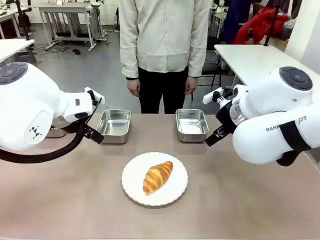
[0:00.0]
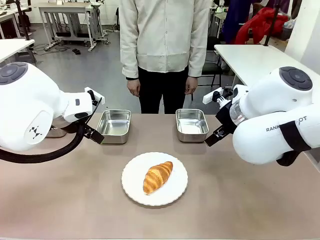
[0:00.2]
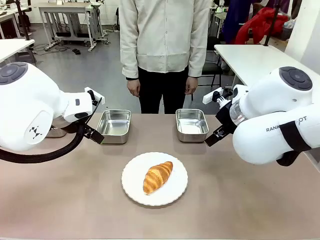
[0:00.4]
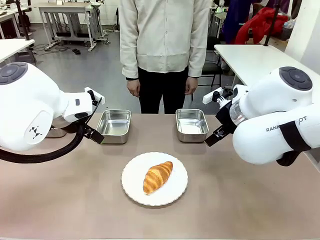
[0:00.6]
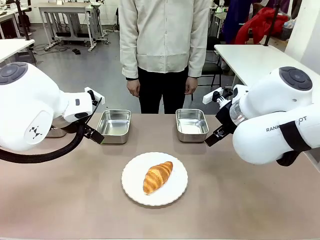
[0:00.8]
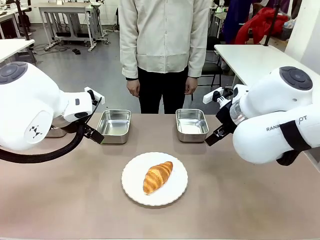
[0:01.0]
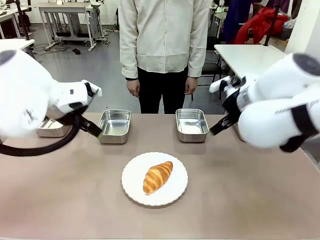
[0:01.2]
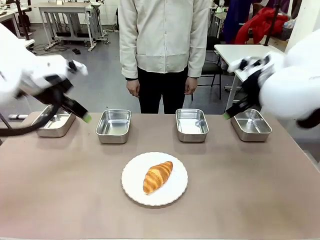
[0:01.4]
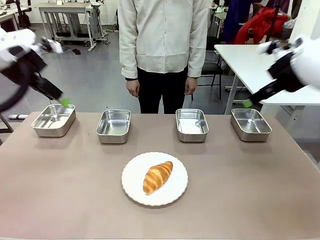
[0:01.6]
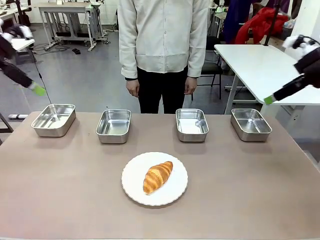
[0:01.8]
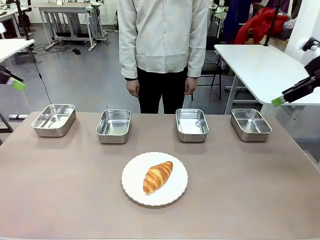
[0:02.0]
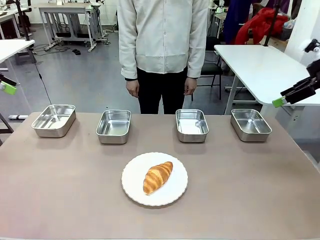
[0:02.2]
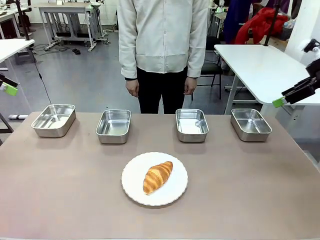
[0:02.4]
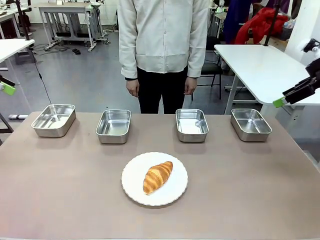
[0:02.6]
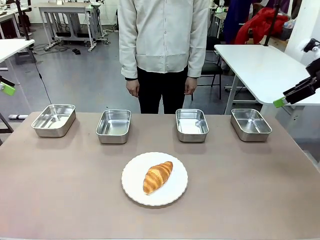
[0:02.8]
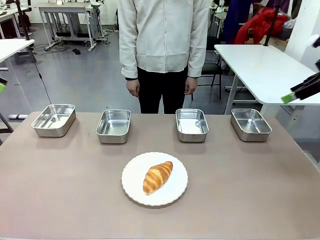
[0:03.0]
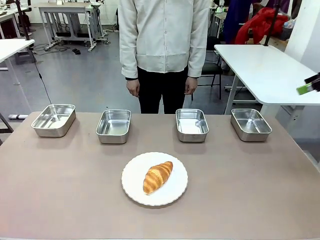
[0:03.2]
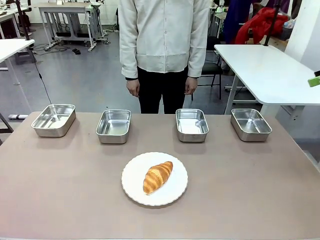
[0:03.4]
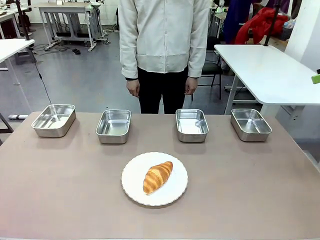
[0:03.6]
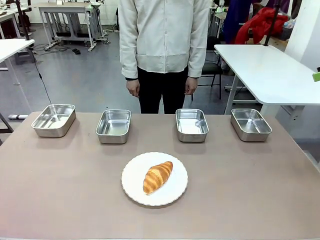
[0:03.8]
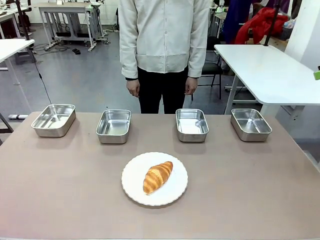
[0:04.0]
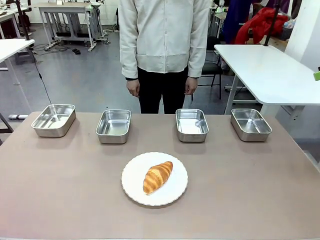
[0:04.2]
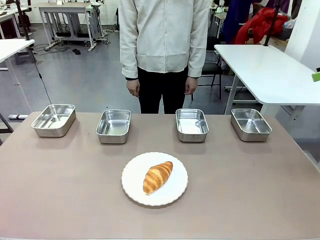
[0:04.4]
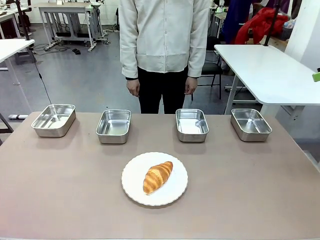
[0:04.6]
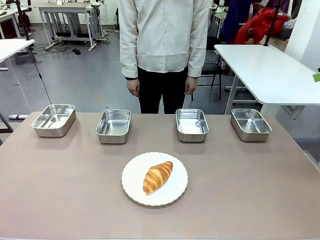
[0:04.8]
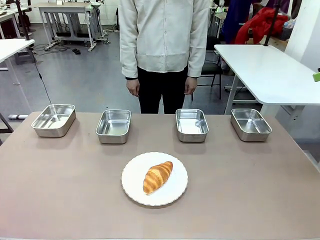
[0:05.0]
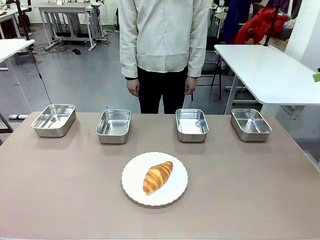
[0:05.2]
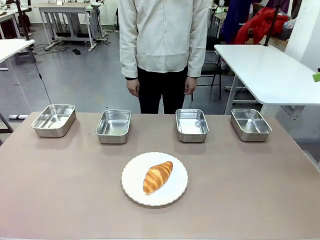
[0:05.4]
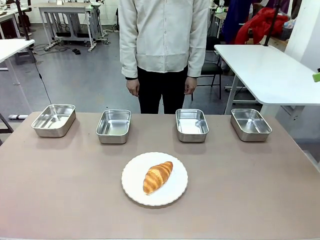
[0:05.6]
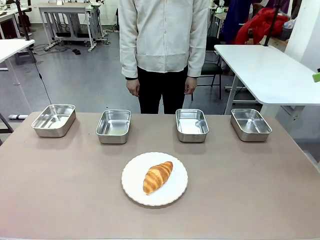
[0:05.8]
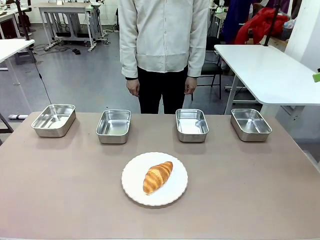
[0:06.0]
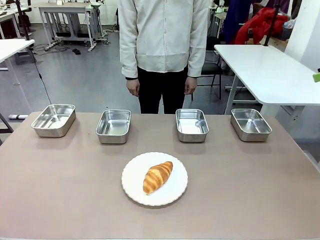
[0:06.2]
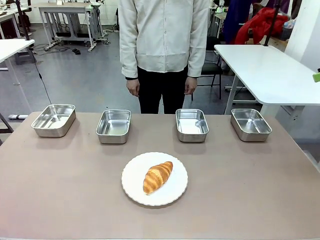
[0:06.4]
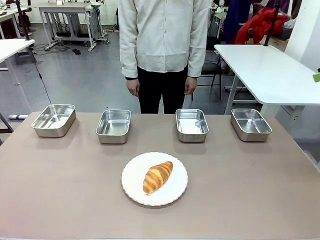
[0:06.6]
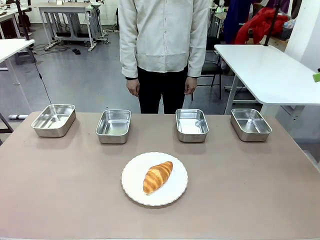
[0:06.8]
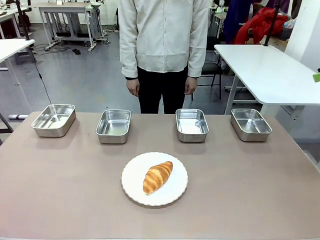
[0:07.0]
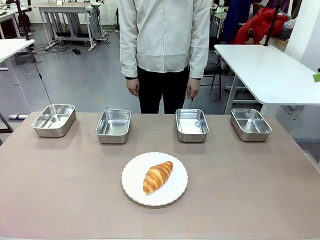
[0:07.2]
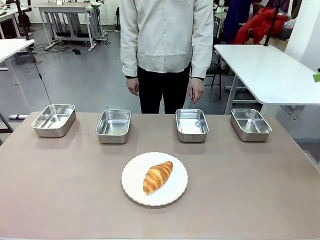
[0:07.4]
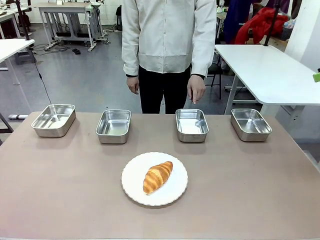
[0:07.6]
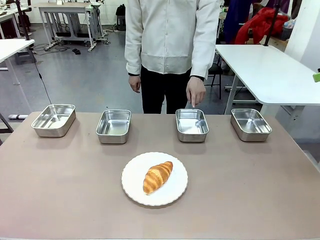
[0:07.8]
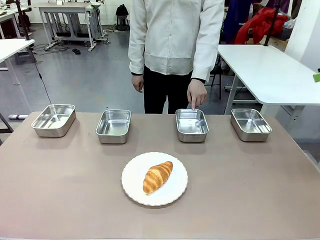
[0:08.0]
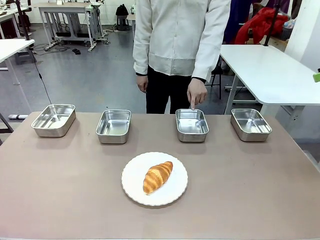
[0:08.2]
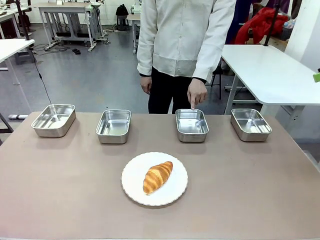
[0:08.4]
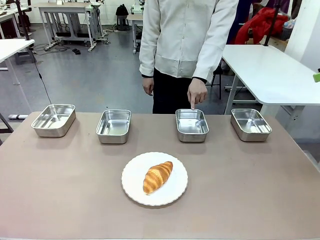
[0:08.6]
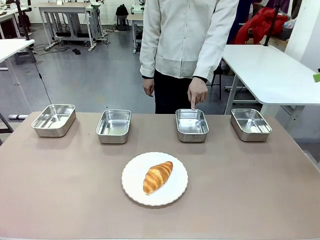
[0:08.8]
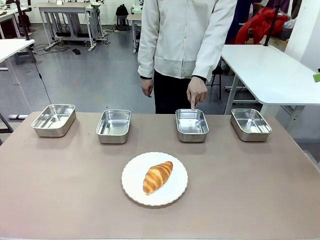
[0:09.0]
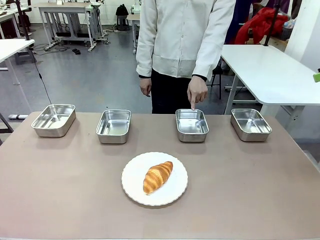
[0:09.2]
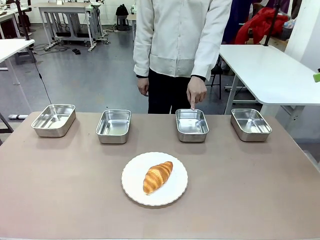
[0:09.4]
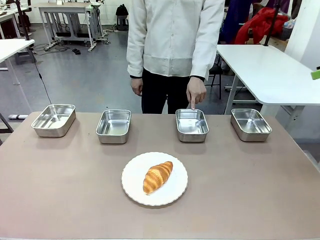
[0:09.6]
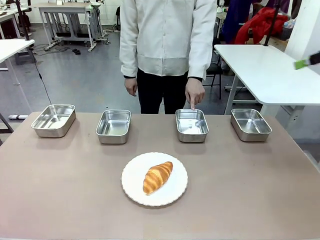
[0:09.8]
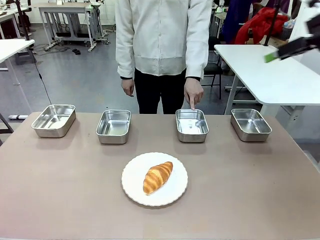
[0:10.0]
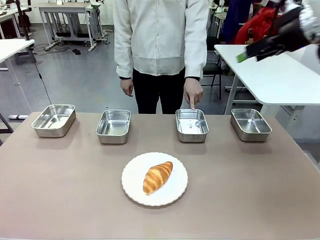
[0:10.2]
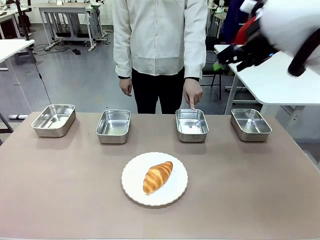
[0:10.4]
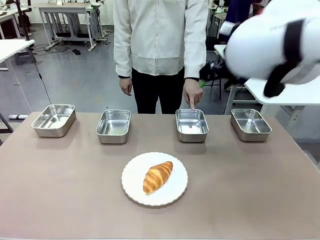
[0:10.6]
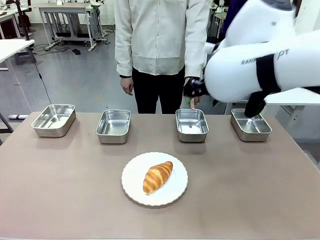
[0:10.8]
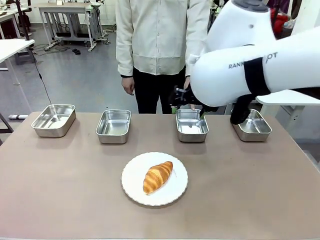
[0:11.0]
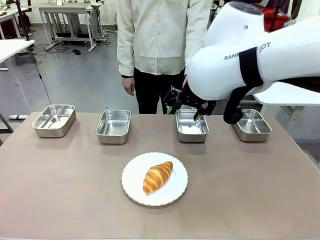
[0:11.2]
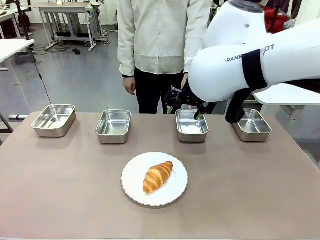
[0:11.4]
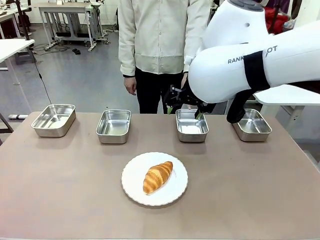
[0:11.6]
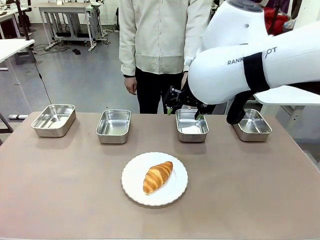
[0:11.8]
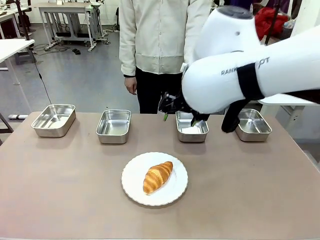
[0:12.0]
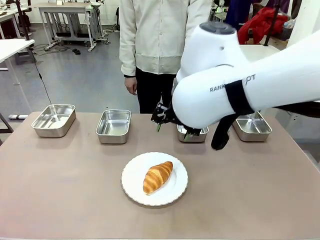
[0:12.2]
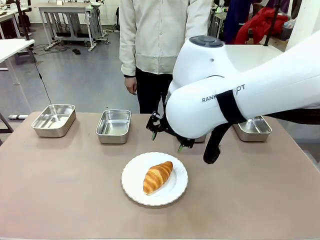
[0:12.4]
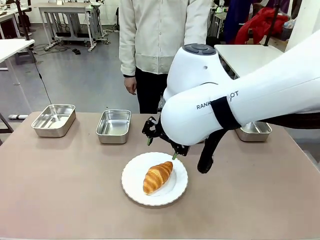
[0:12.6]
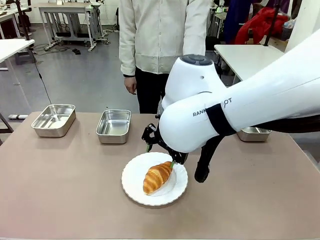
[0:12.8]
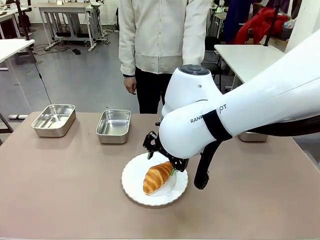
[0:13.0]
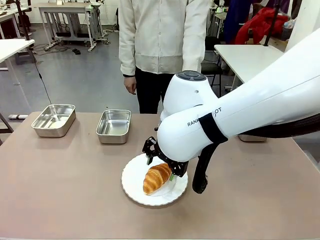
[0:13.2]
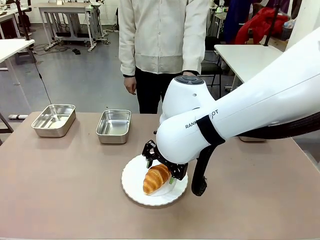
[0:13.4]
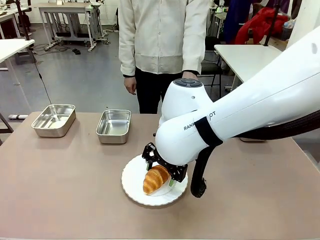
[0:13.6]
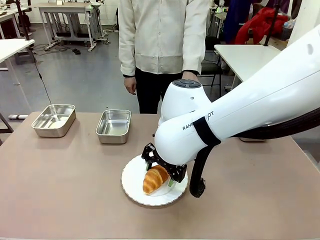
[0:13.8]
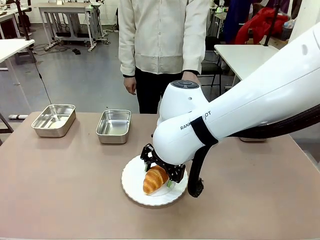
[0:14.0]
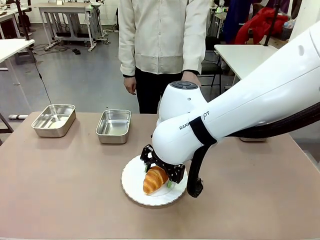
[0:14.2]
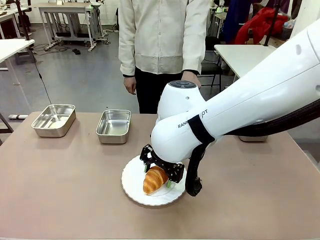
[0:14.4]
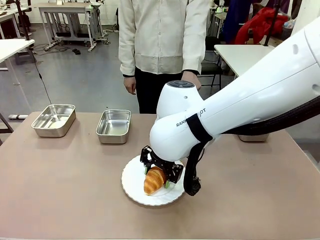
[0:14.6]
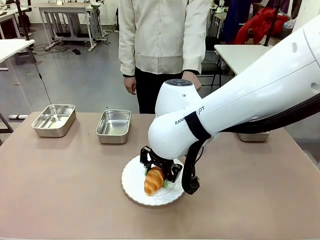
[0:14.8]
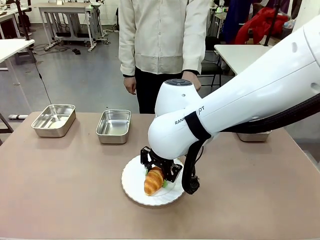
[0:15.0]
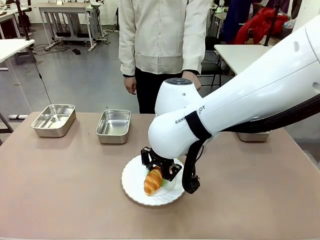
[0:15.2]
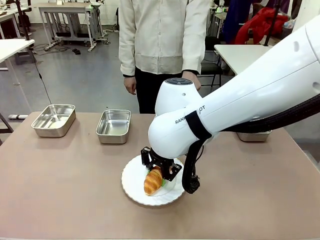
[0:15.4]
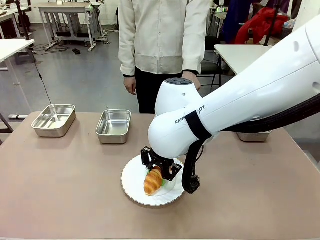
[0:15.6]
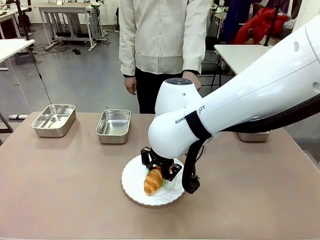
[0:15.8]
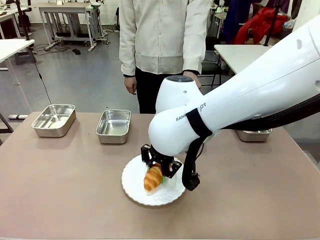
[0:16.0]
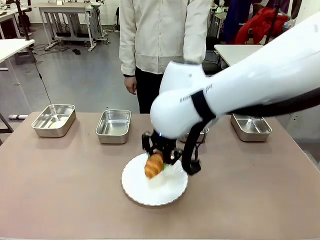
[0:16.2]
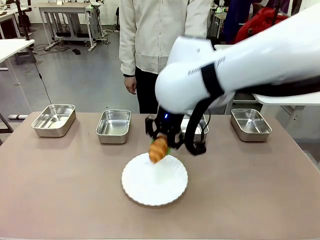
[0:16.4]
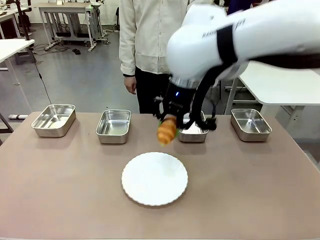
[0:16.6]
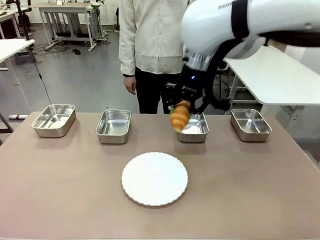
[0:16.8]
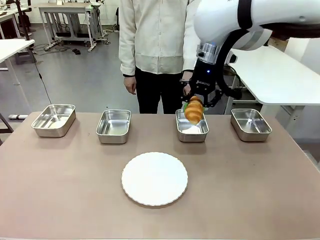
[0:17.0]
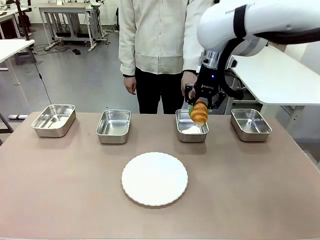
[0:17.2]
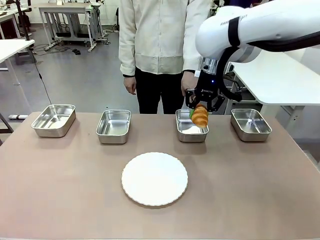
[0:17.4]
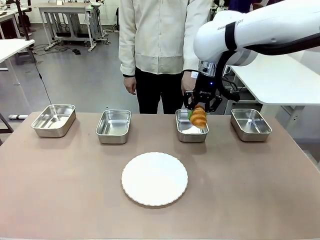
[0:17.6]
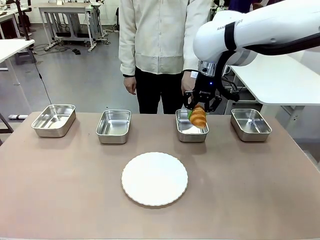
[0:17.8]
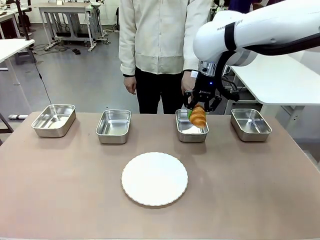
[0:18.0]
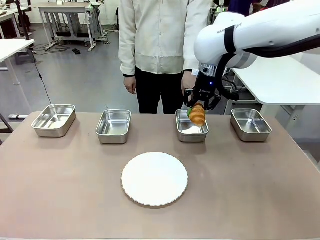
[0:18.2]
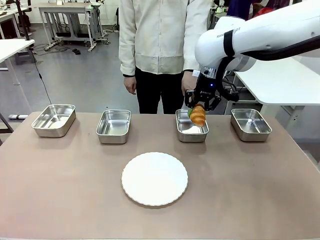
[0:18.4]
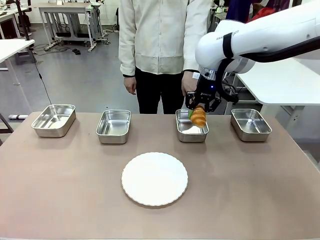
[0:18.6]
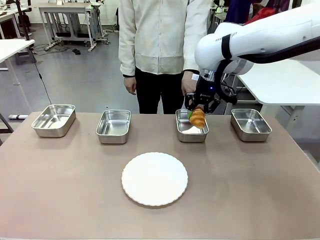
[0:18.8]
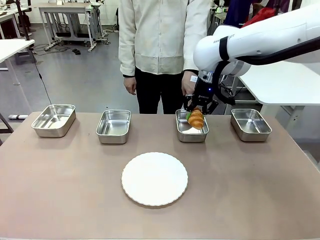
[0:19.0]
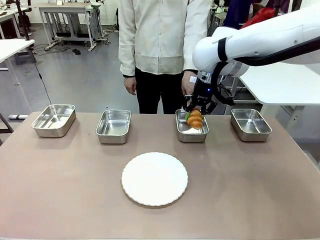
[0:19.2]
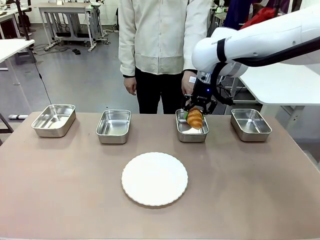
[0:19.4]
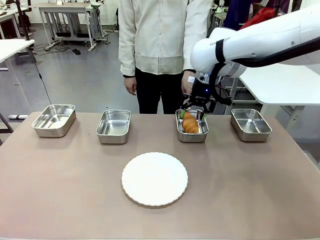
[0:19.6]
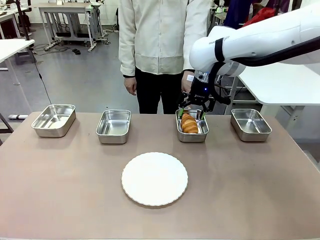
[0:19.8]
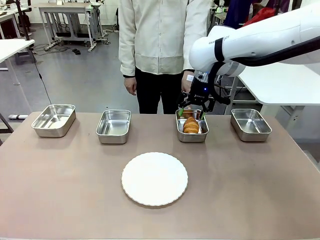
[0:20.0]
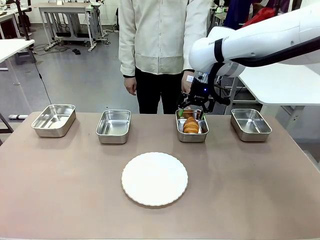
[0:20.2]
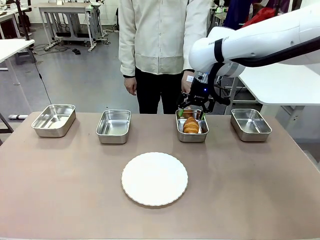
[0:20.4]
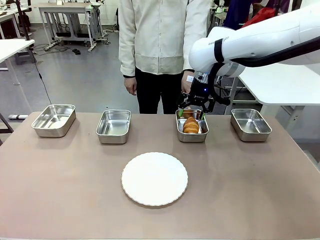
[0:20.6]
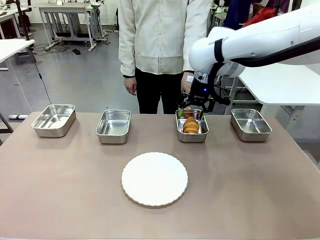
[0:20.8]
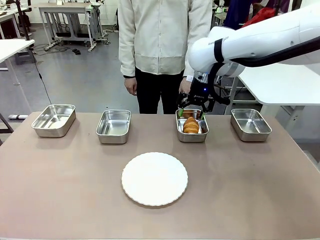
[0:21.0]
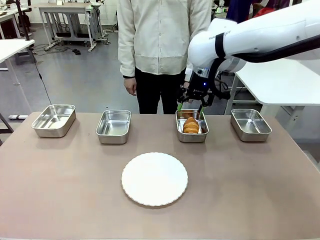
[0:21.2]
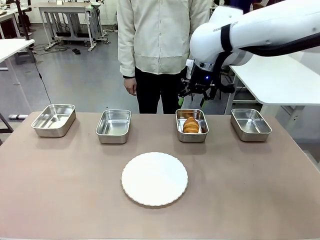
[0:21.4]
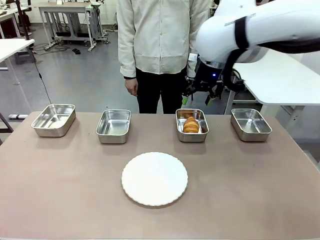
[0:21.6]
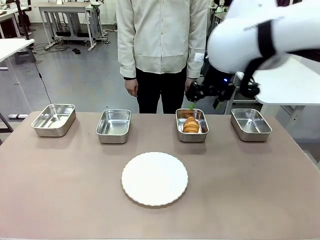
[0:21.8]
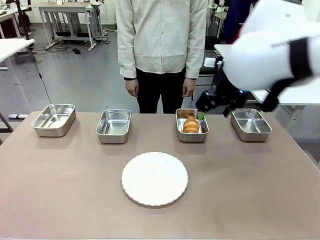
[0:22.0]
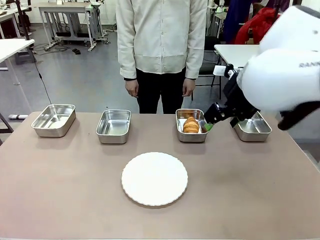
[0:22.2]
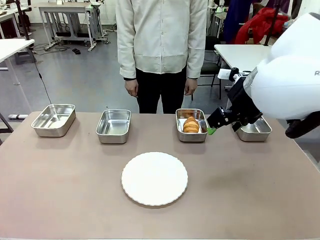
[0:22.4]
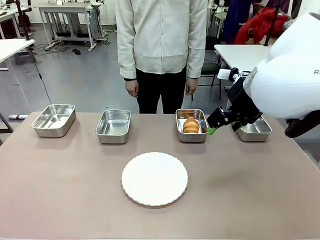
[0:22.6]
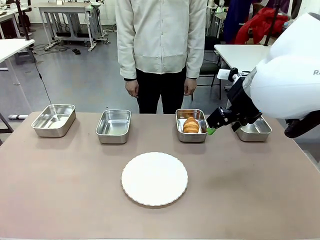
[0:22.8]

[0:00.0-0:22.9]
Task: Place the bread in the container.
Robot: Place the Butter Roll into the Airtight Container indicated by the human.
Person: A person randomly selects and points to an Airtight Container.
